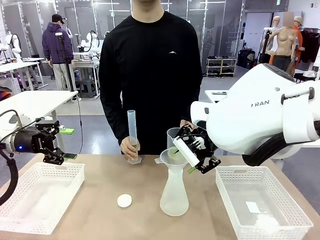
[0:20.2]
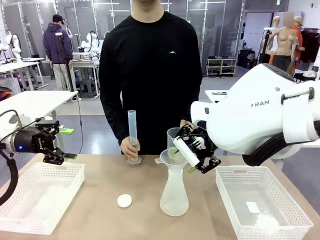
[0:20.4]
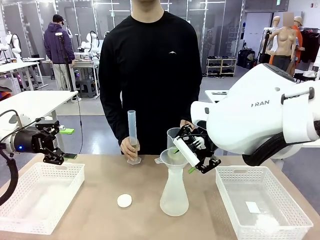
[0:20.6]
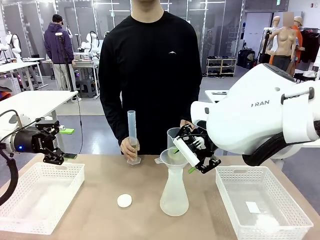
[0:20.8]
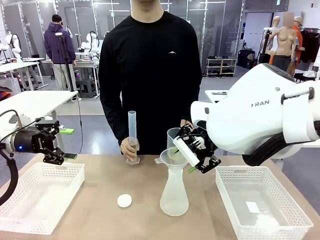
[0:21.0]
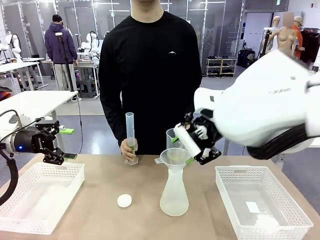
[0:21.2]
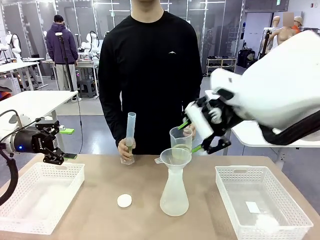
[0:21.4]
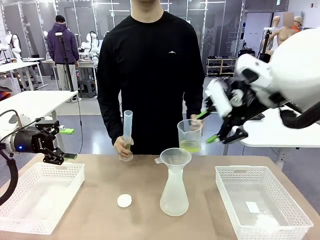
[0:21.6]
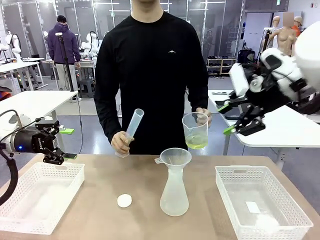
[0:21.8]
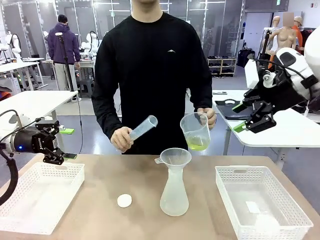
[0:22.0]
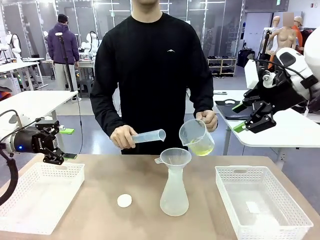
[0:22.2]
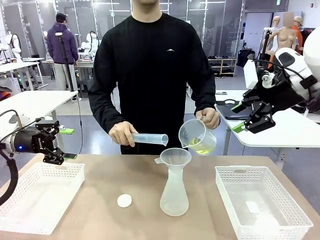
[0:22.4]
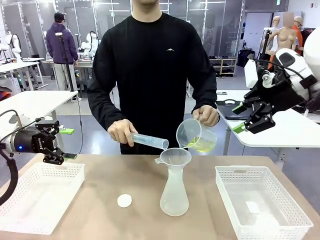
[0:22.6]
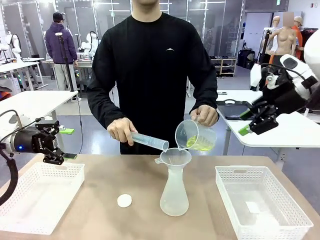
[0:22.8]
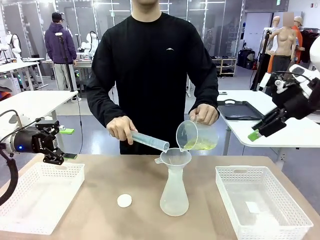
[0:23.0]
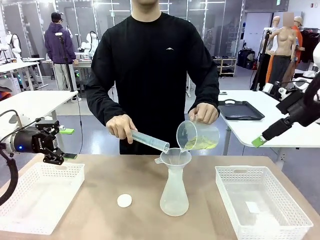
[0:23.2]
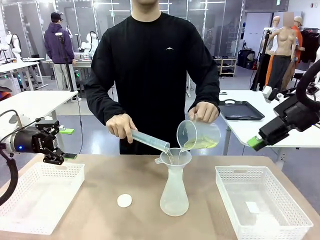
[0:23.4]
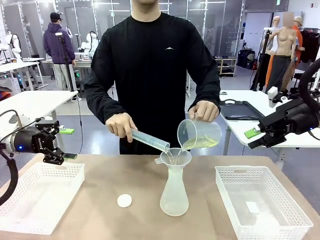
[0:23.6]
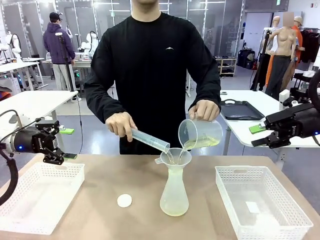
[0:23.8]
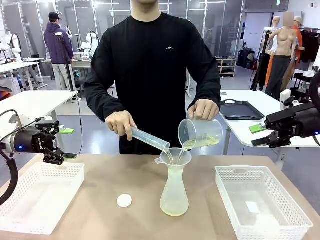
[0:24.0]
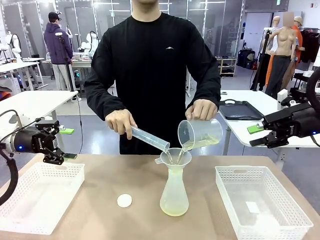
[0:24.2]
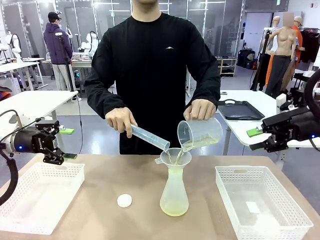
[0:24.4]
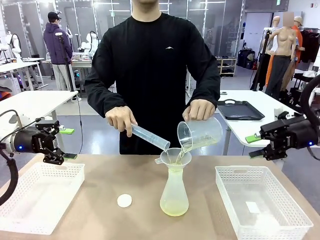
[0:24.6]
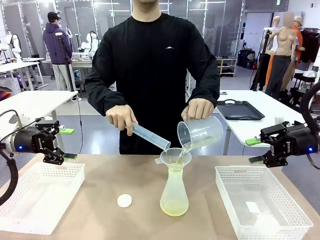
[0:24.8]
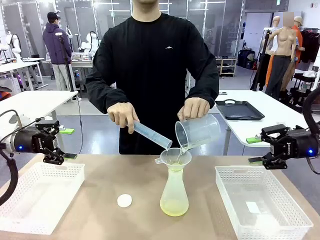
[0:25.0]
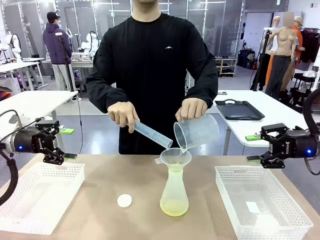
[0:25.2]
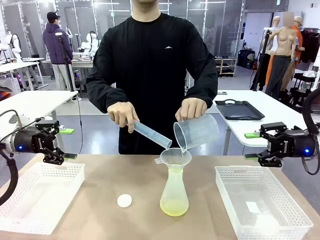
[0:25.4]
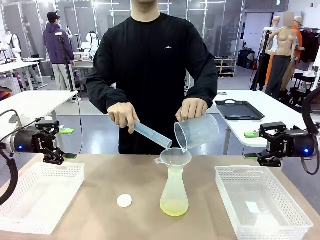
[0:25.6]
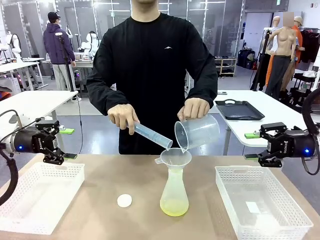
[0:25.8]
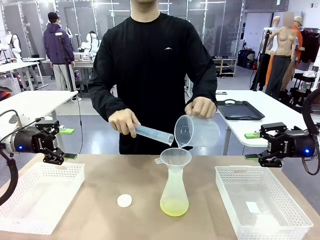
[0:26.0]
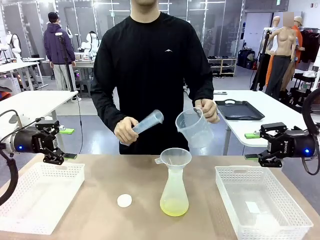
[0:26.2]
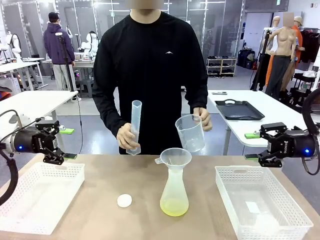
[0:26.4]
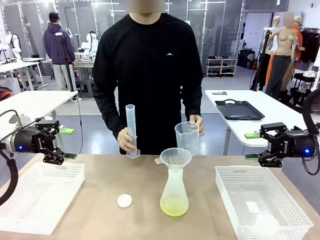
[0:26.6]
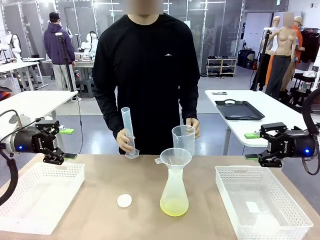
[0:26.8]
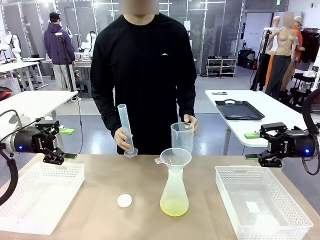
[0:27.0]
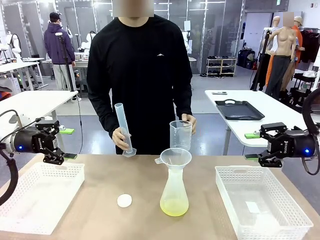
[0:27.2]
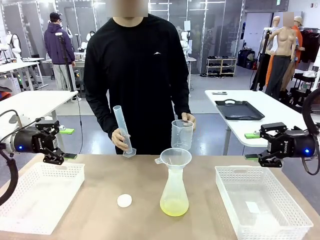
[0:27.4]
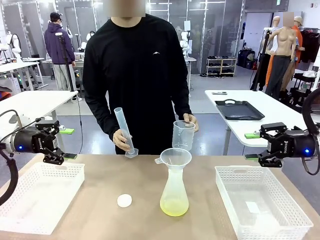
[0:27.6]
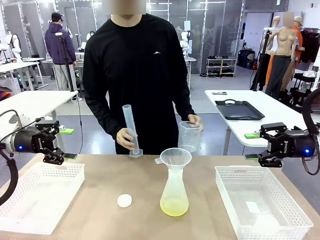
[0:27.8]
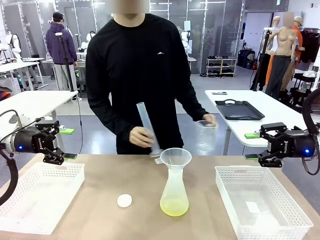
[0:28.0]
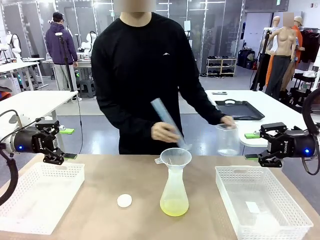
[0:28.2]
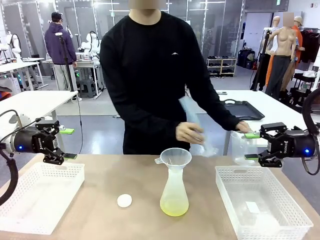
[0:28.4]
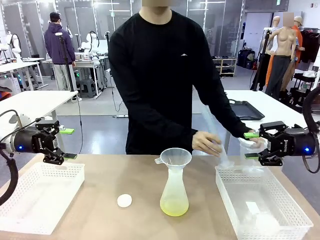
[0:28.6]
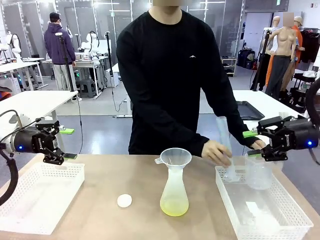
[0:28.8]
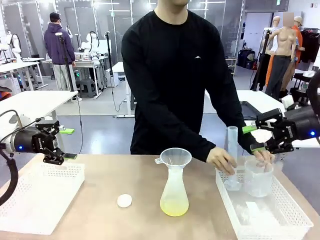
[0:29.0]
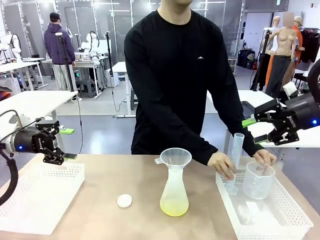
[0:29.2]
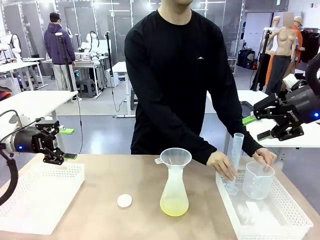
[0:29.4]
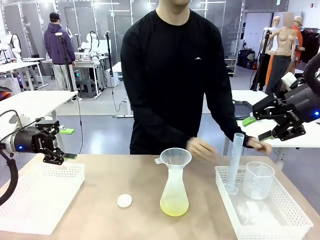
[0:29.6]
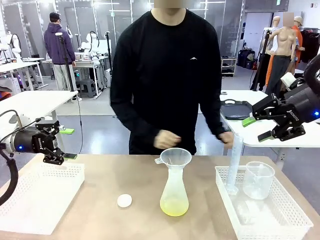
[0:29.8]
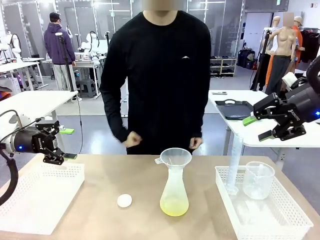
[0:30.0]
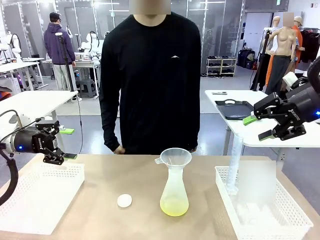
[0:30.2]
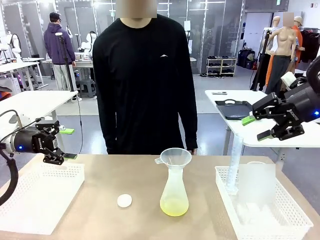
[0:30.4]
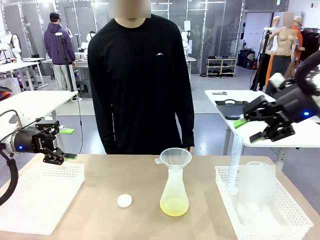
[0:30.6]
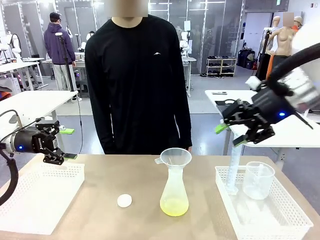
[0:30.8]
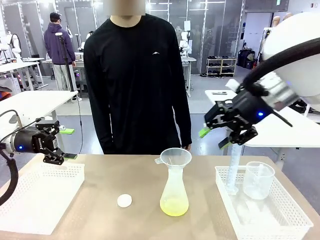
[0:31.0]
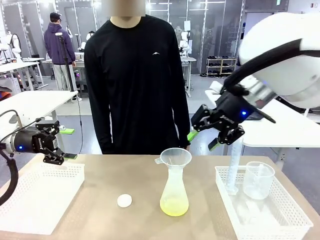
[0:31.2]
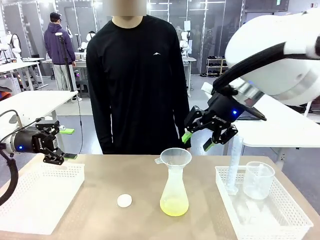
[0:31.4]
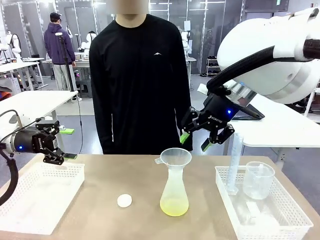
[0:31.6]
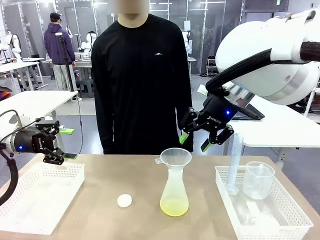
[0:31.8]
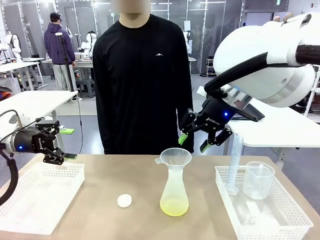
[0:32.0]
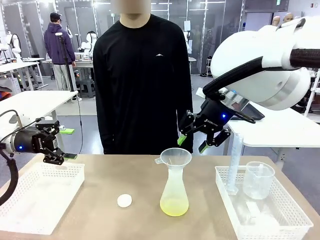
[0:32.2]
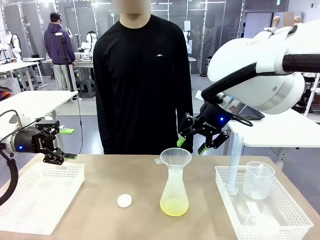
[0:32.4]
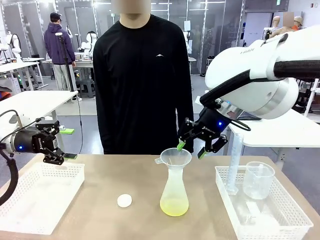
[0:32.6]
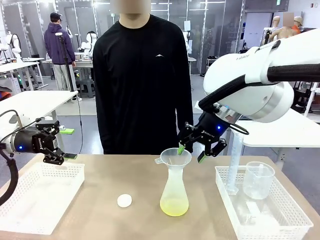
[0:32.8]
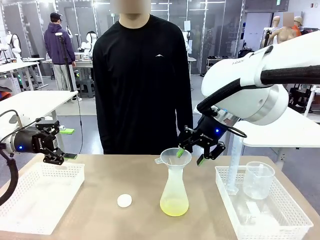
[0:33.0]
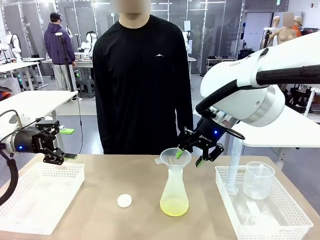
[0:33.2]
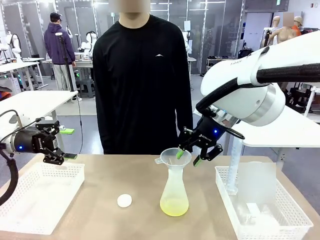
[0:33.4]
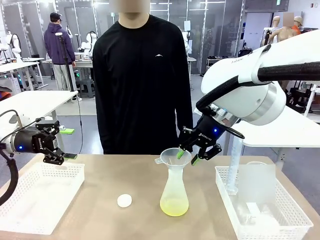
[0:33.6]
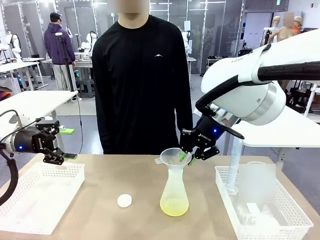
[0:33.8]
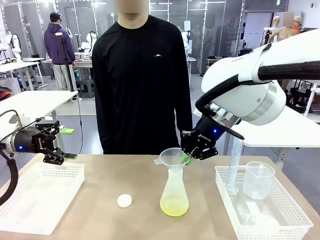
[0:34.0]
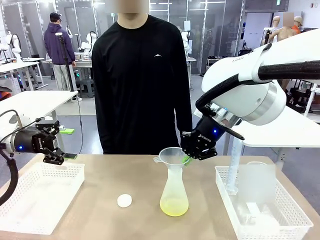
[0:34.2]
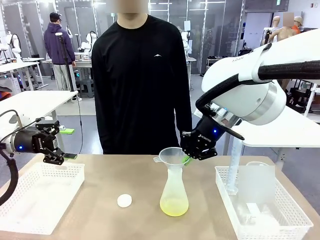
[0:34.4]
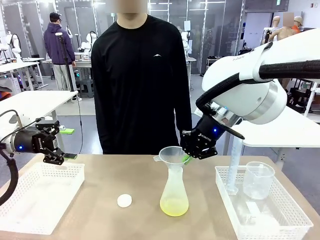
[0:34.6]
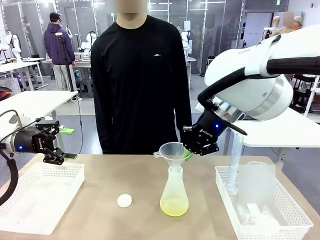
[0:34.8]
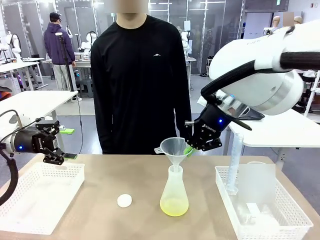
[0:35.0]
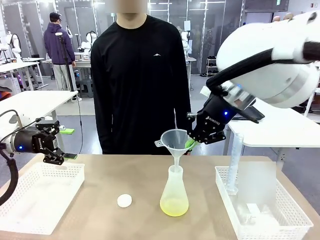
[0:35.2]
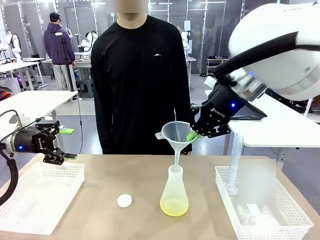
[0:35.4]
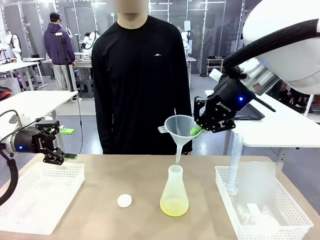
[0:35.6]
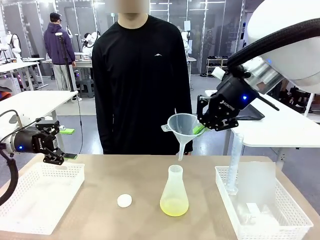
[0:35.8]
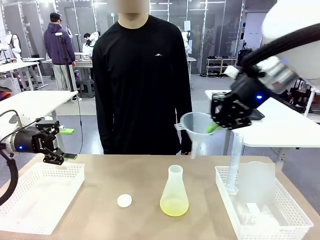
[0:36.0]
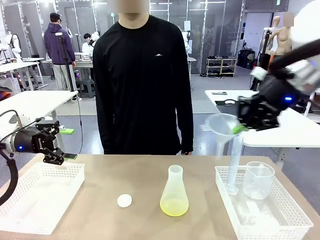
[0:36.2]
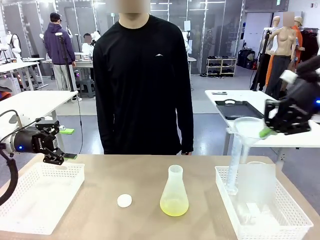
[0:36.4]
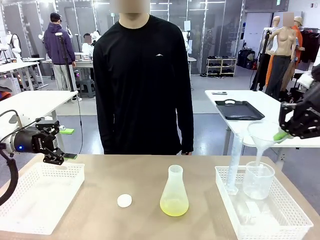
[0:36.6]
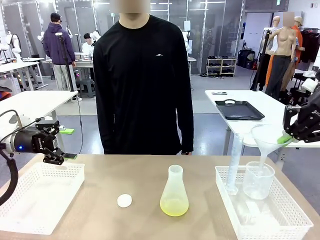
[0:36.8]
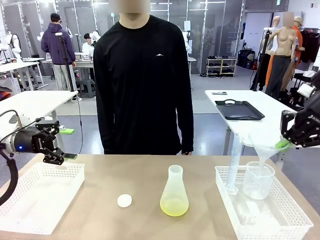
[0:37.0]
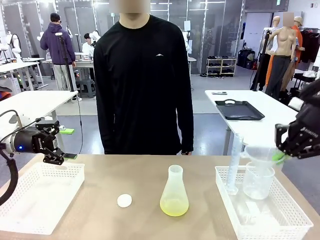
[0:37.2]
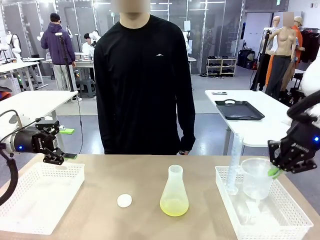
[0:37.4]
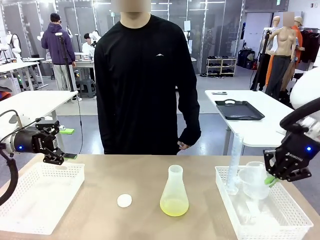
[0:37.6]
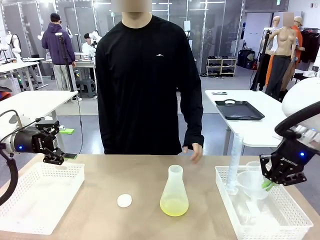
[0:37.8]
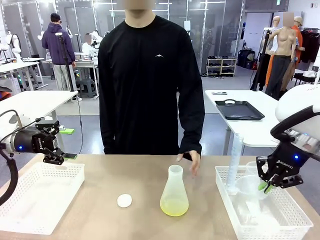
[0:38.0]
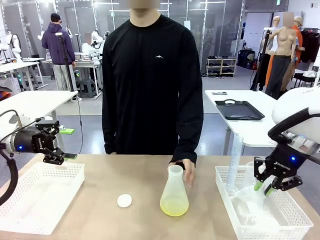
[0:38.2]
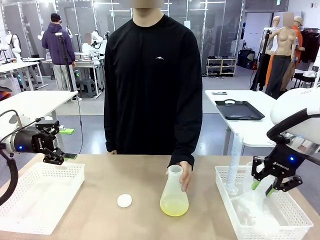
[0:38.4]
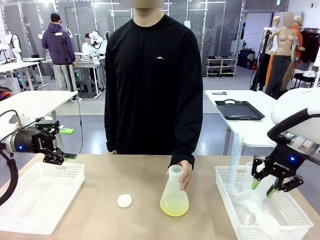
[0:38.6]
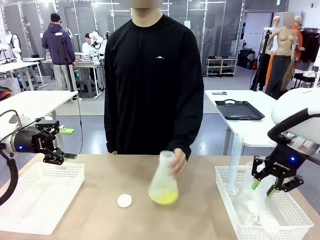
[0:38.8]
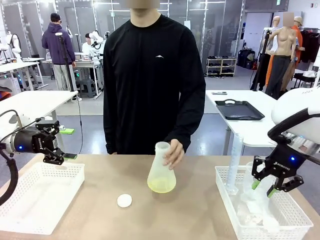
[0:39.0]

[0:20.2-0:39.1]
Task: Prepare the solutions needed for the experiment.
Robot: Once the solution is in the Big flask , pick up the Plastic Funnel and place it back into the right Organizing basket.
Person: Place the beaker and the cylinder into the organizing basket on the left side. Pick up the flask, gently shake it 2–3 times, place it in the middle of the robot table, and close the lid.
